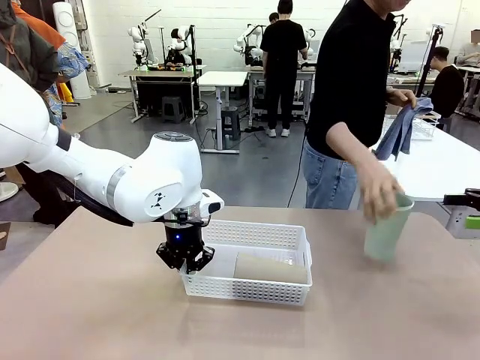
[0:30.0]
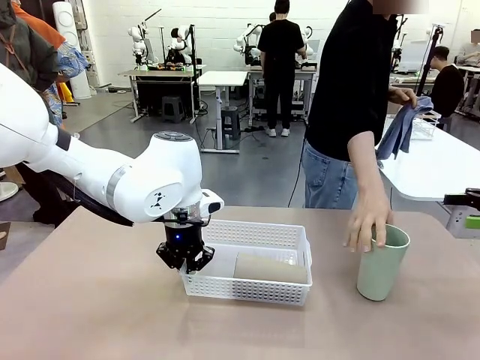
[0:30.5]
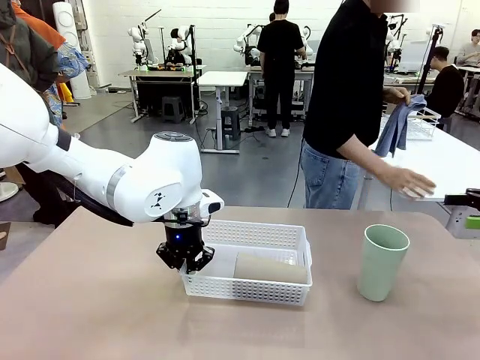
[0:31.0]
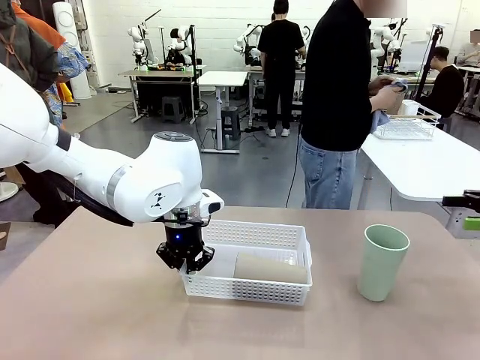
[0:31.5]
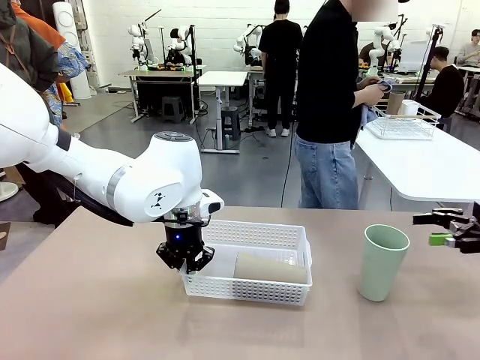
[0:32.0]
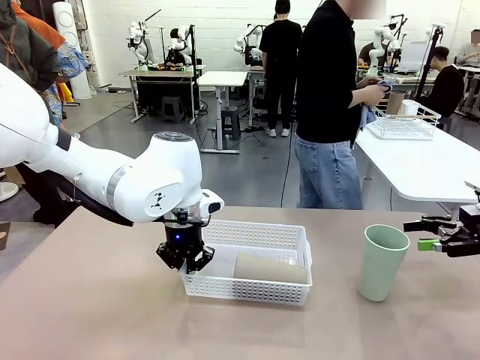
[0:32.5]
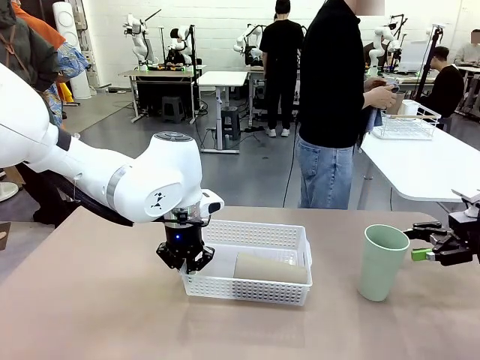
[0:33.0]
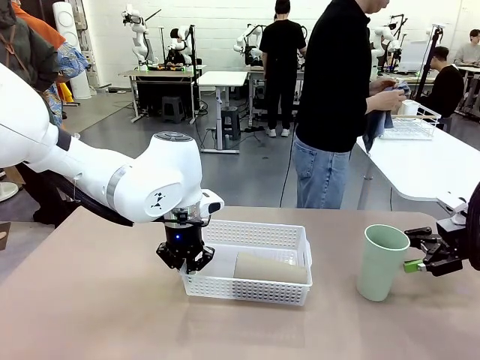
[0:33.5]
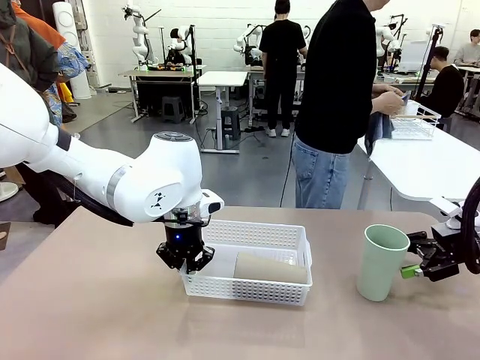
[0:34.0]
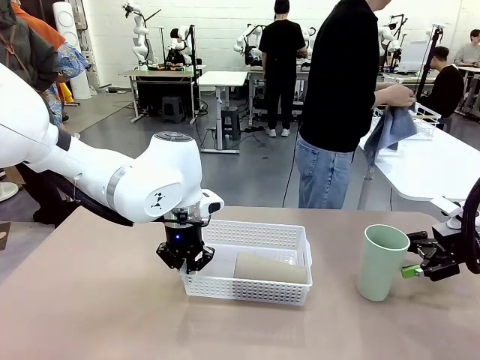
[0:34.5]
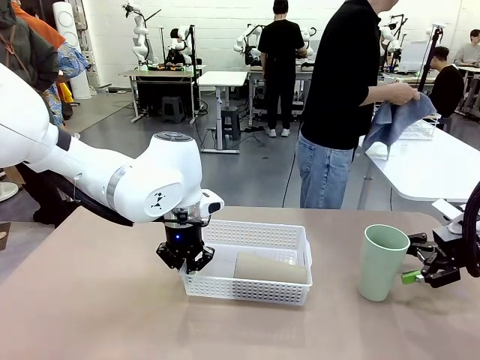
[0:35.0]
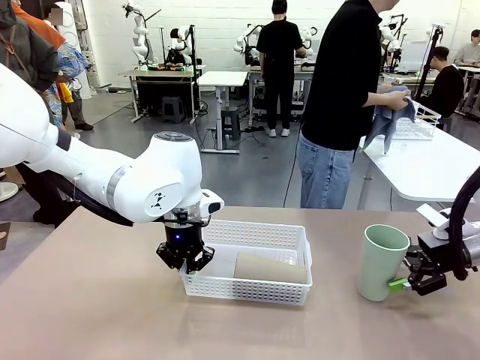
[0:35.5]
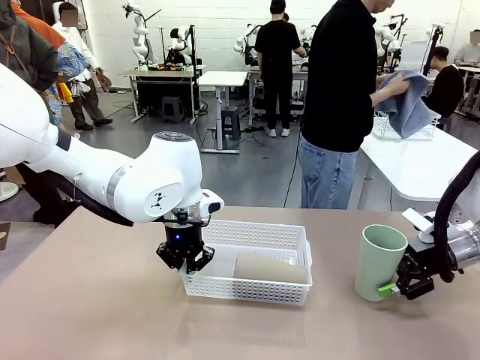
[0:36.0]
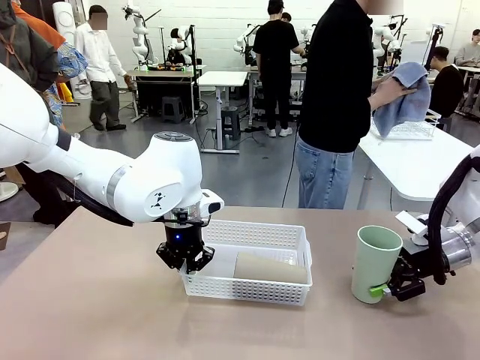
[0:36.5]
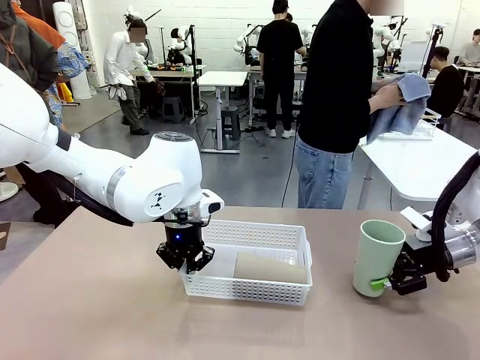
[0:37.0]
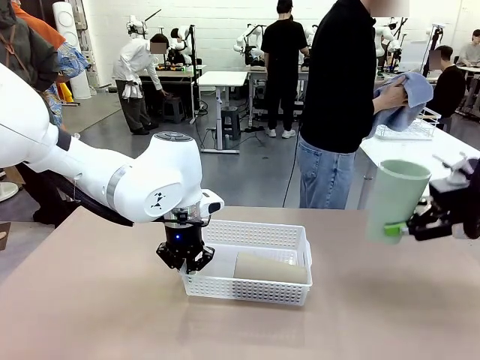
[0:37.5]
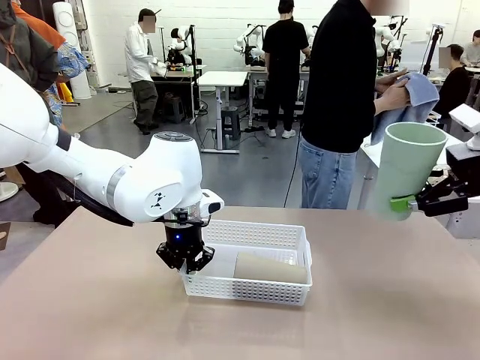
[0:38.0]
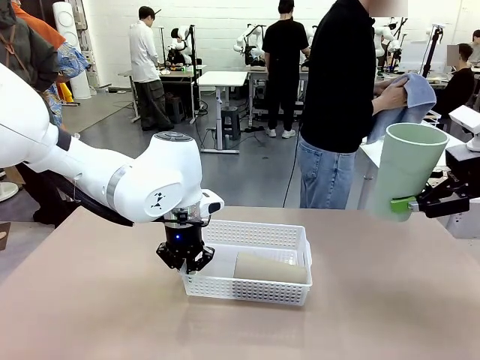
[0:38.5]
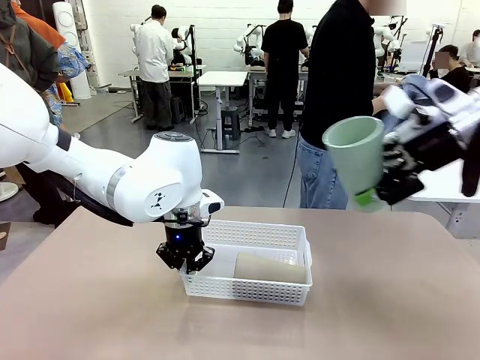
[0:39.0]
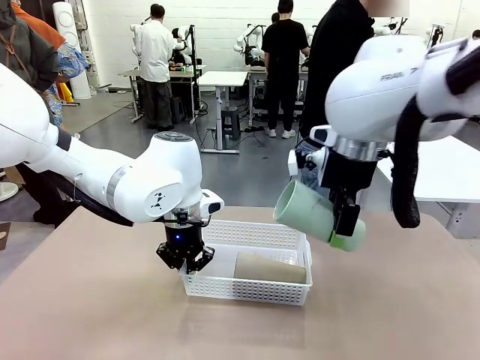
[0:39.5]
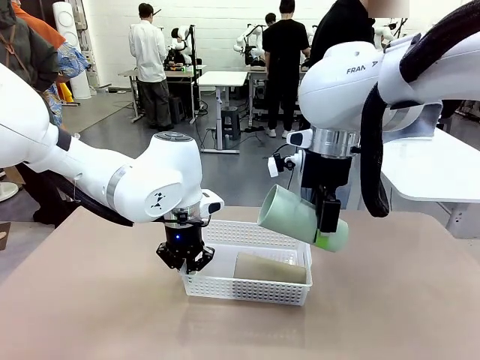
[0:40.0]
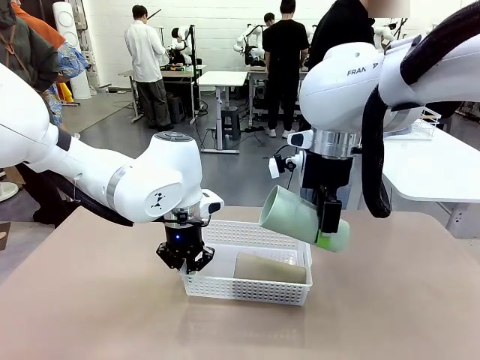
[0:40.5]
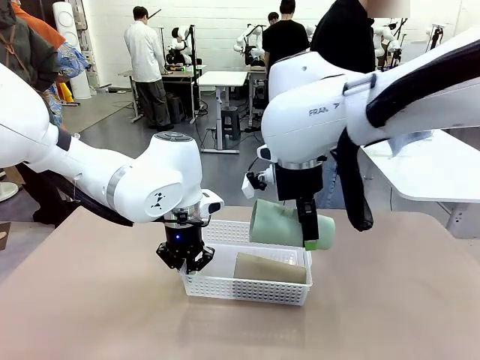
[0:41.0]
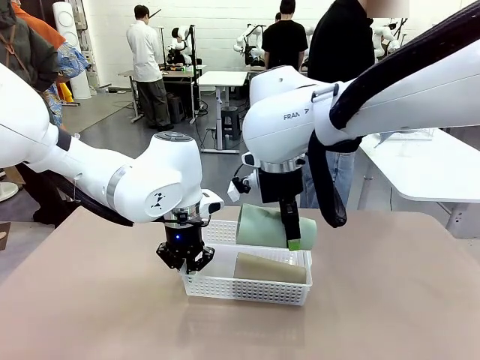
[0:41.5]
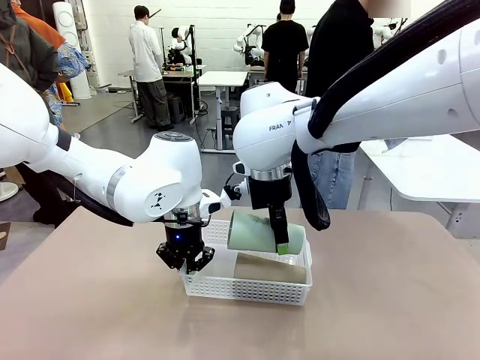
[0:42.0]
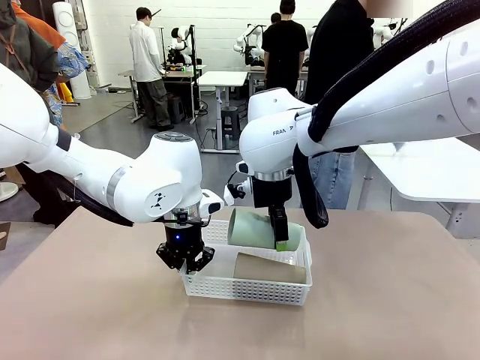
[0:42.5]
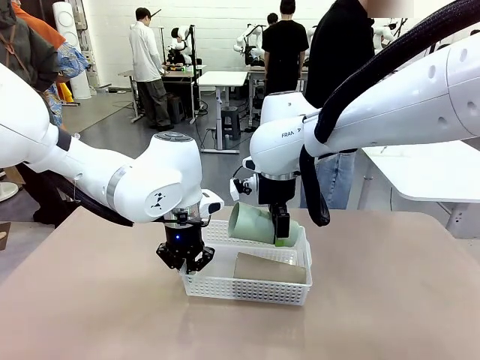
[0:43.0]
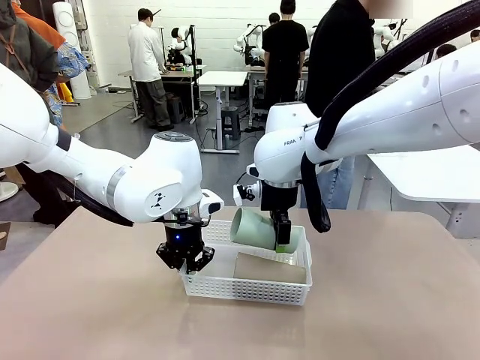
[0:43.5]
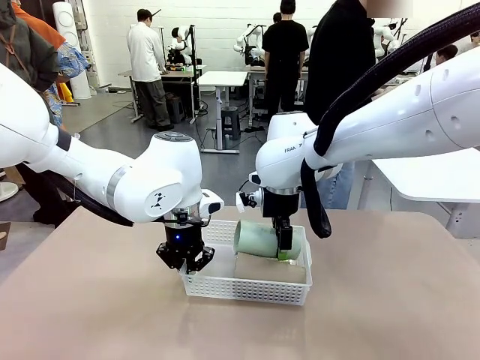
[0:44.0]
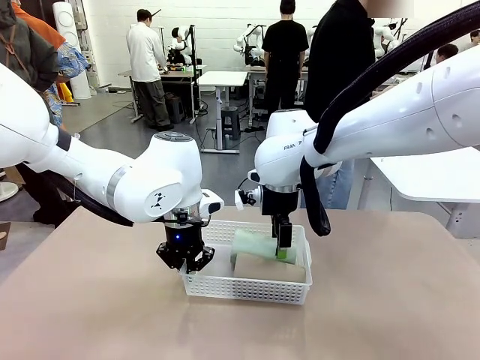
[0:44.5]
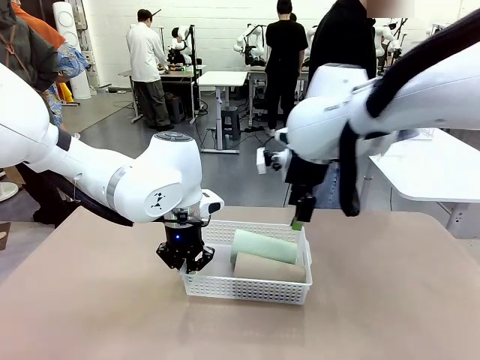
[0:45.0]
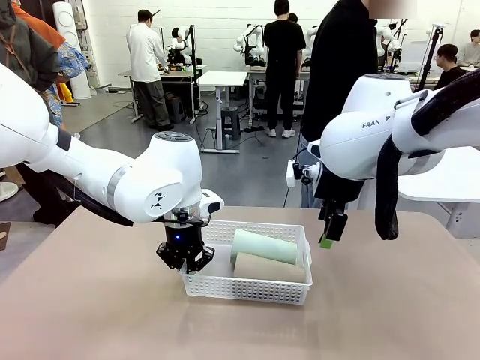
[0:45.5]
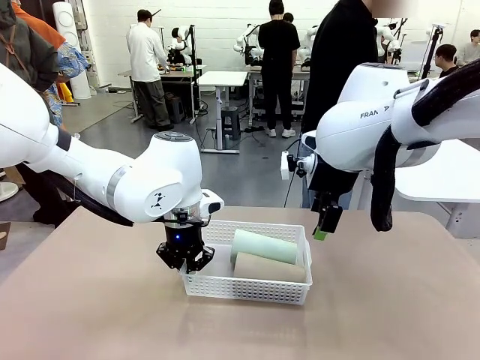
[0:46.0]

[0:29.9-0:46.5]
Task: Clean and organize the cups into the basket.
Robot: Pick up the Reusable plastic cup from the right side of the table and stack it inside the Organizing basket in the center of the table.

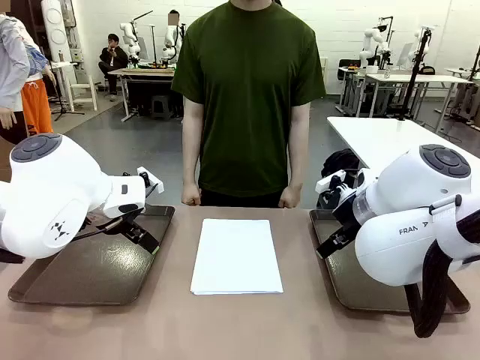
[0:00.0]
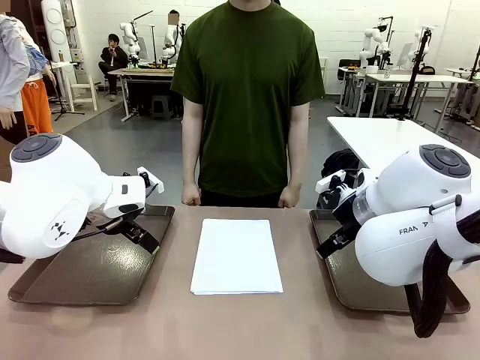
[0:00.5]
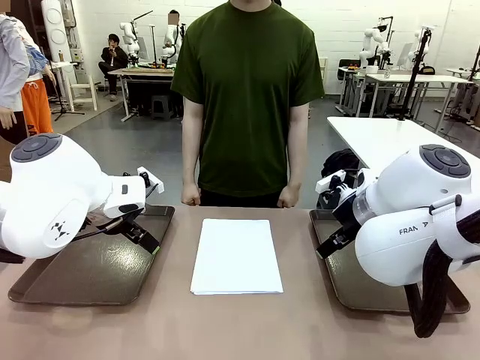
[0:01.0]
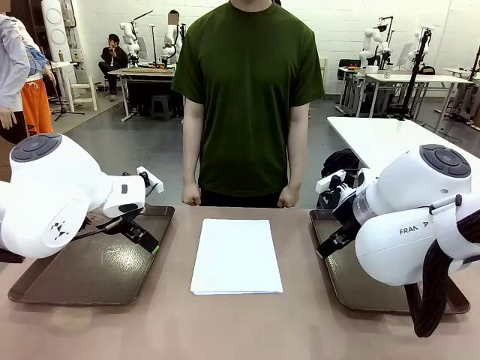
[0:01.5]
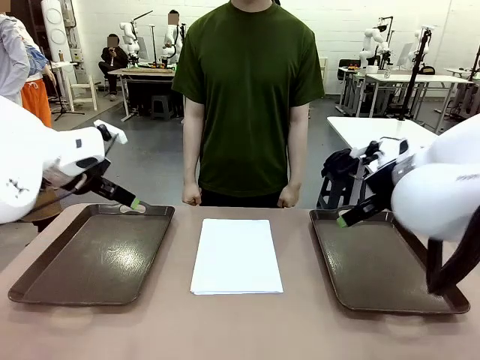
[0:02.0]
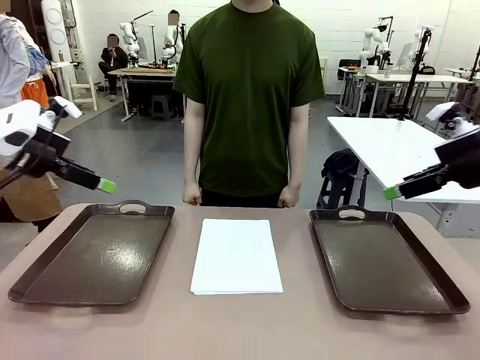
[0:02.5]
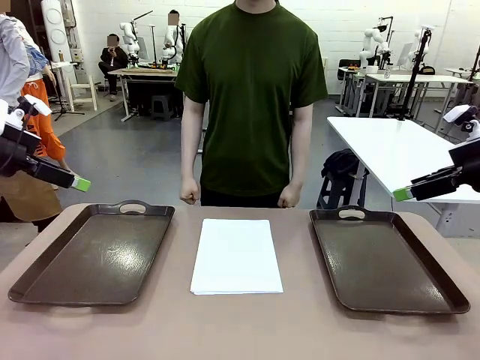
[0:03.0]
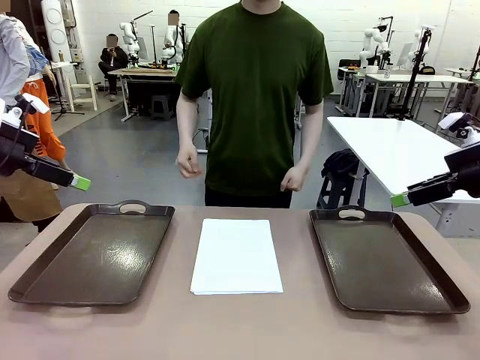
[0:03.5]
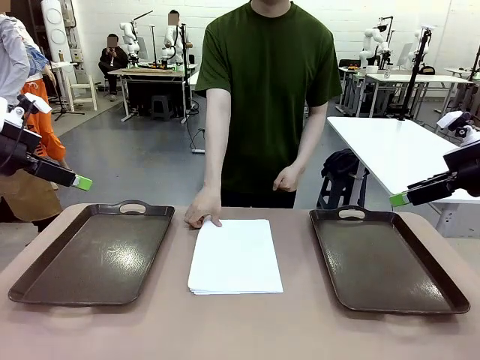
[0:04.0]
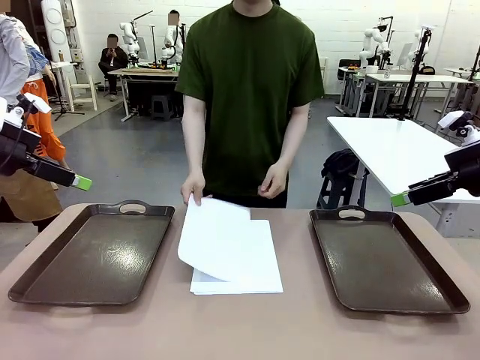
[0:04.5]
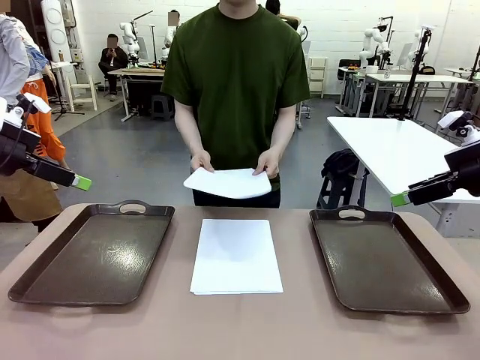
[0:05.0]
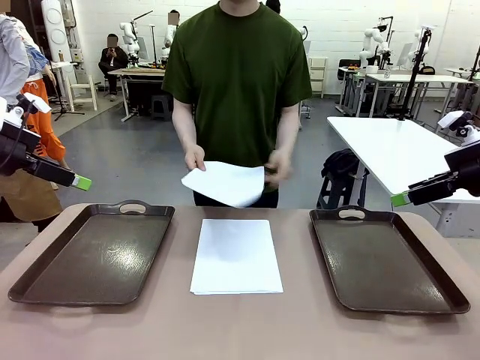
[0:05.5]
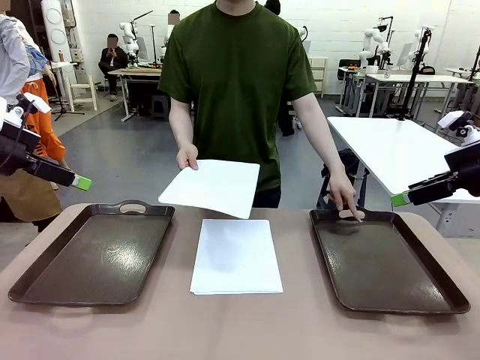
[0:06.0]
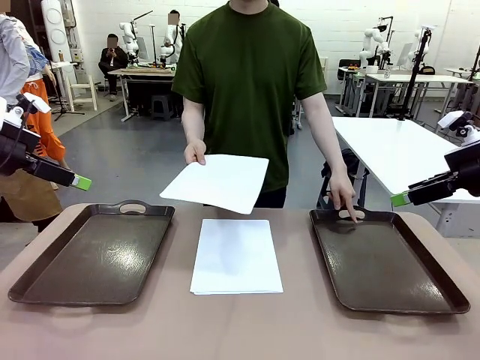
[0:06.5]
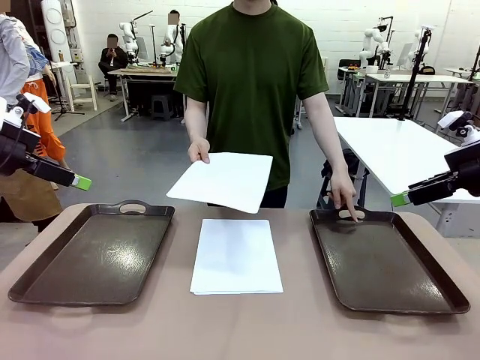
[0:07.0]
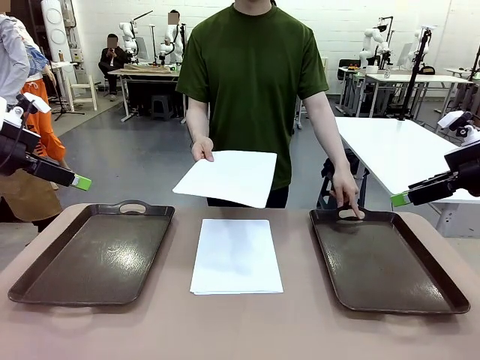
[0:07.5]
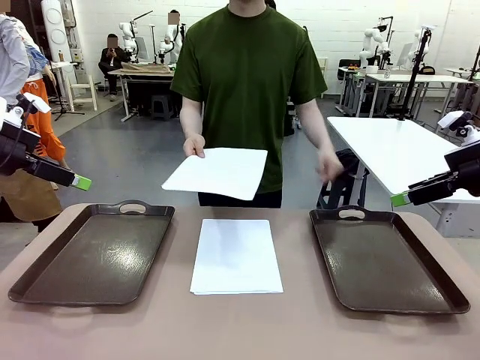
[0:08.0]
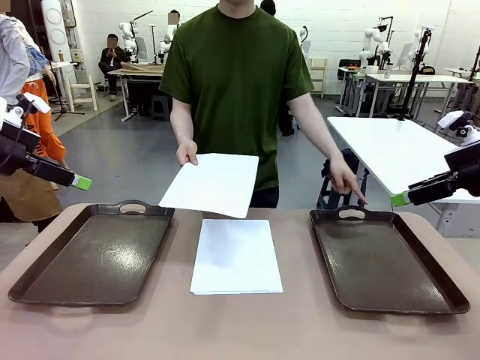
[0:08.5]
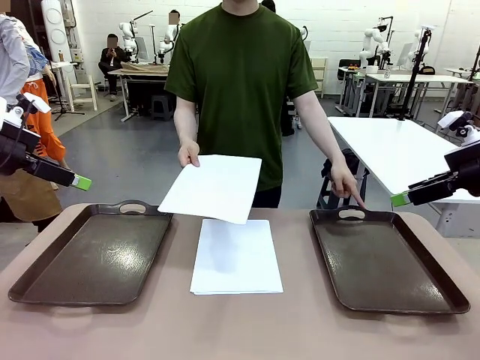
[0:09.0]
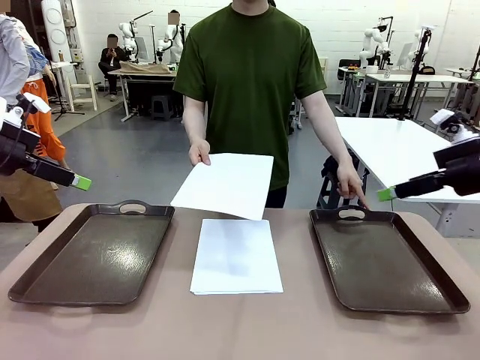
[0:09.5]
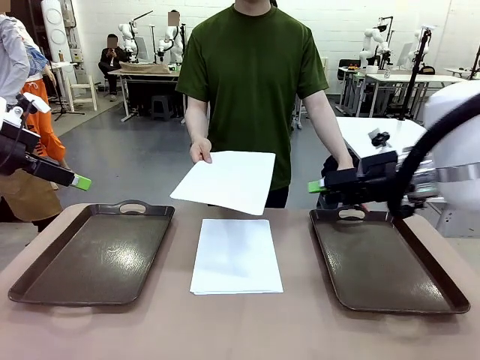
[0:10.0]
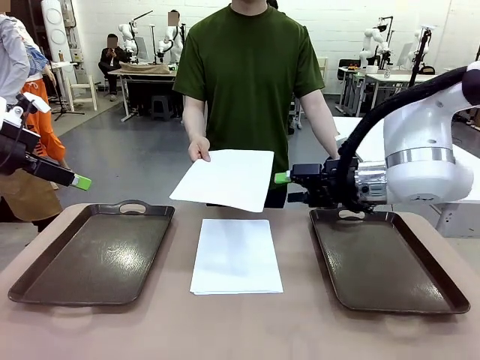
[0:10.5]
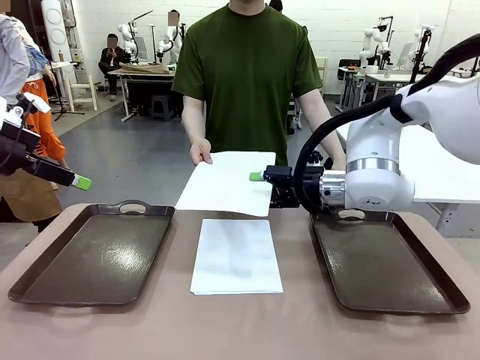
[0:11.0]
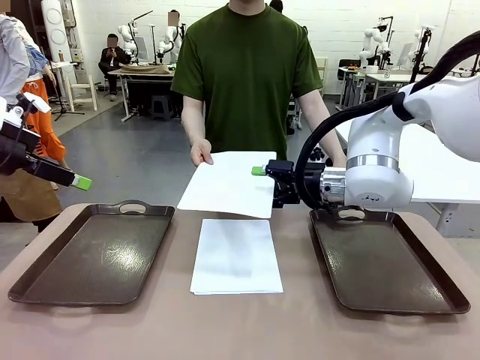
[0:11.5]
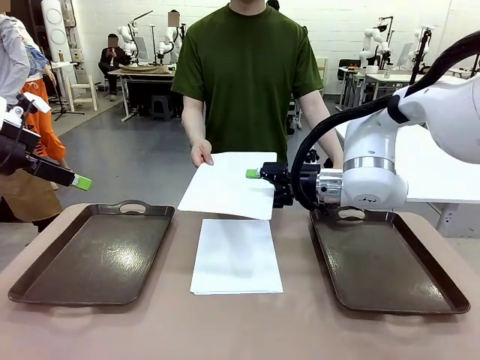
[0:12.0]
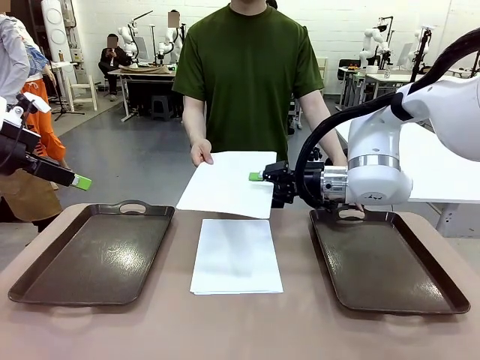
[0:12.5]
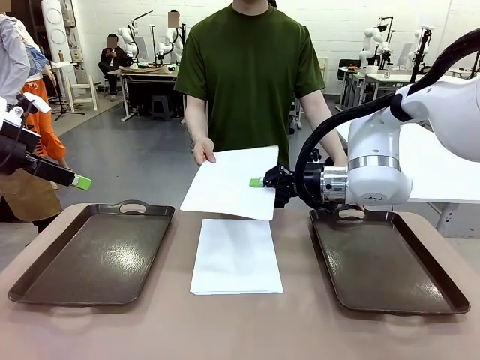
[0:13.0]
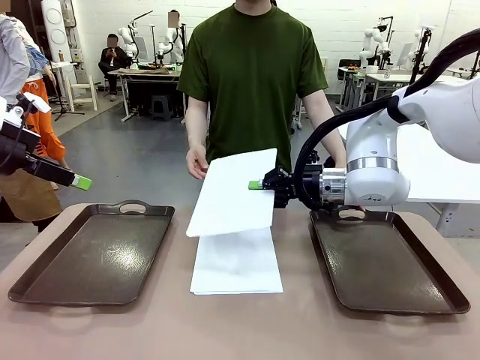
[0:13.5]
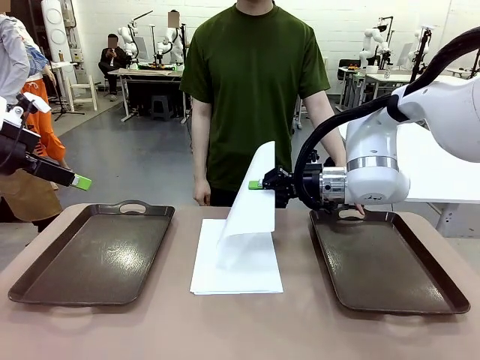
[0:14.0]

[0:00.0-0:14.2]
Task: Sort the A4 documents.
Robot: Receive the A4 Paper.
Person: Pick up a sheet of paper from the center of the table and hand it to the robot. Point the randomly selected tray with the other hand.
